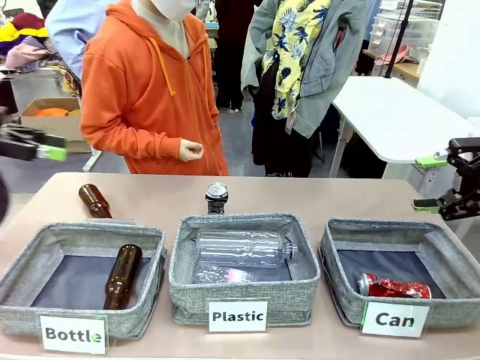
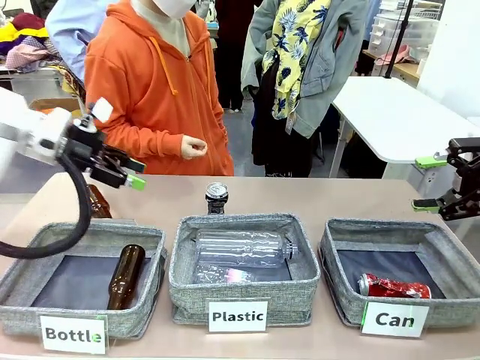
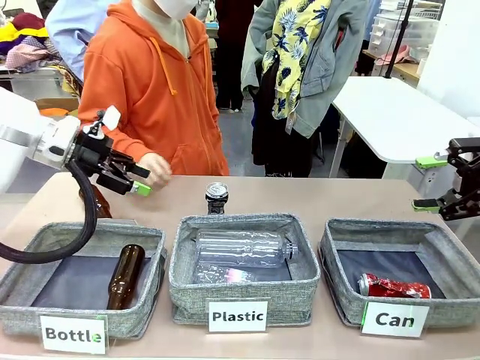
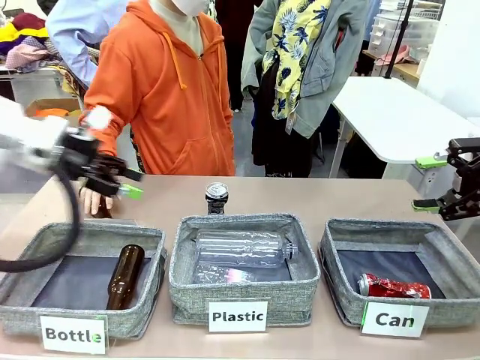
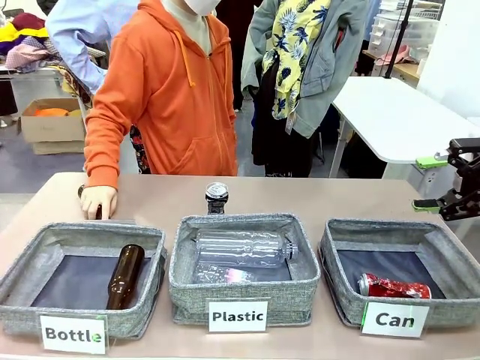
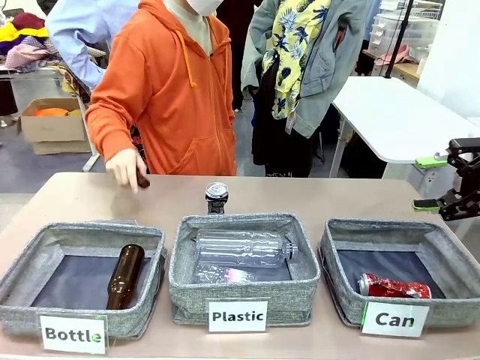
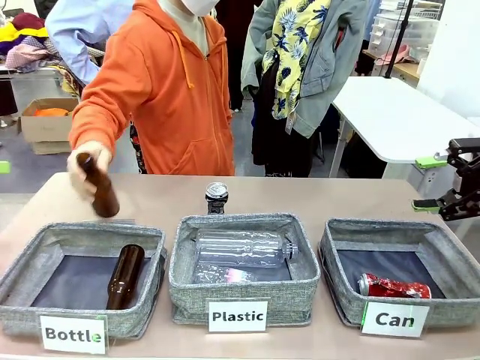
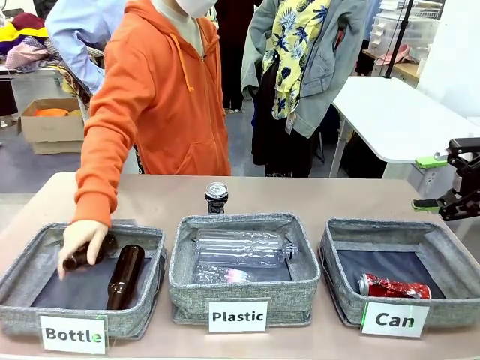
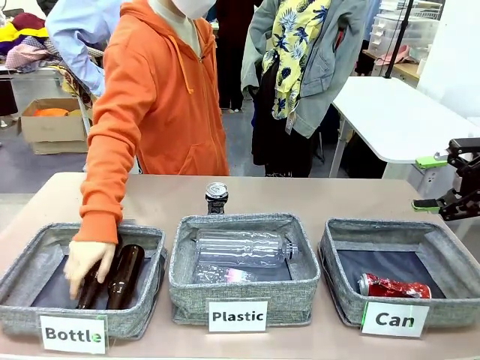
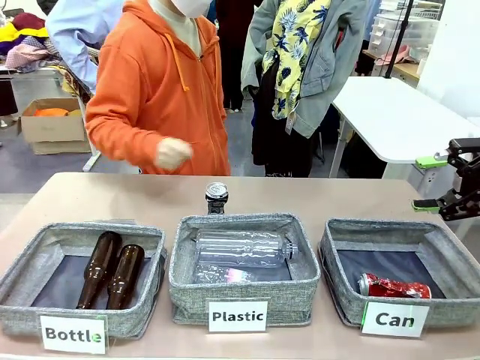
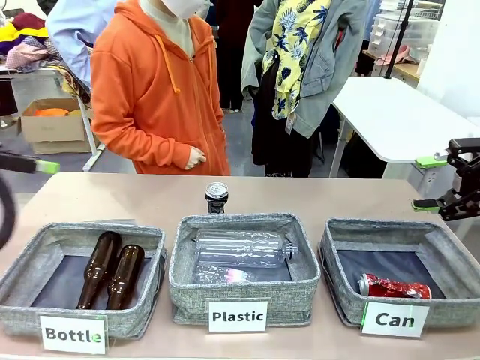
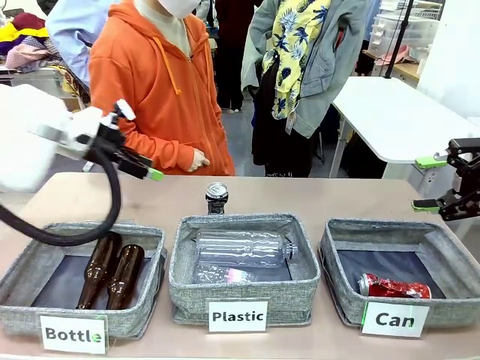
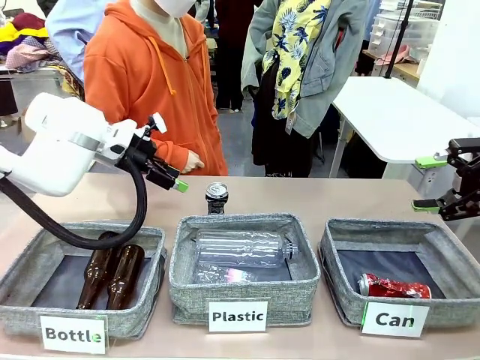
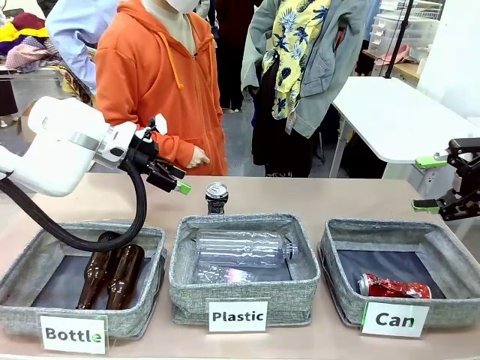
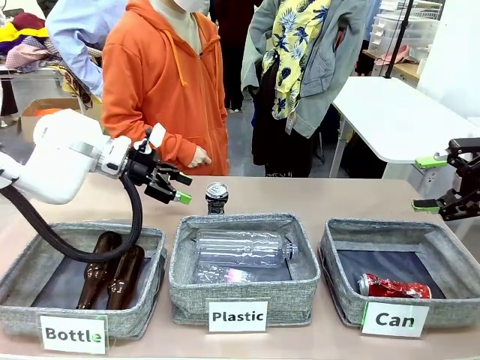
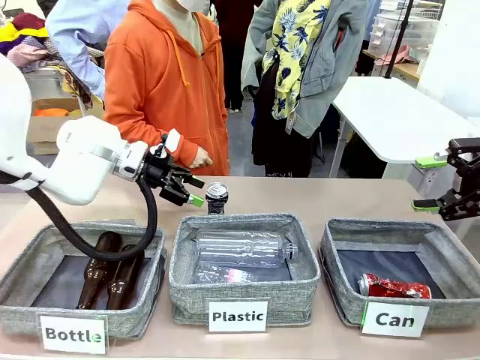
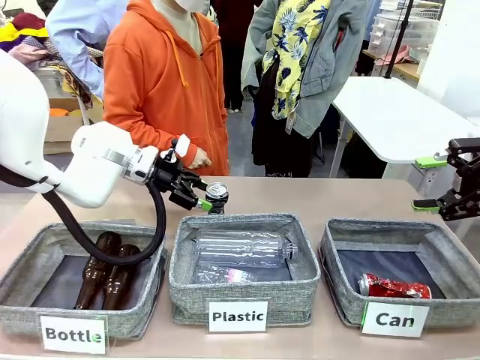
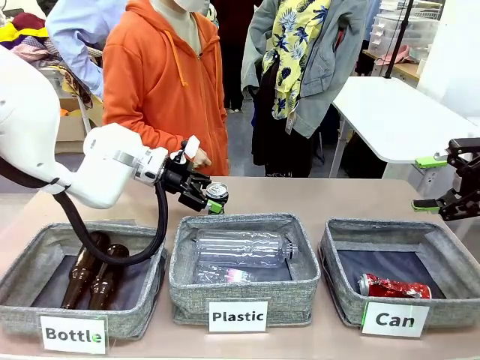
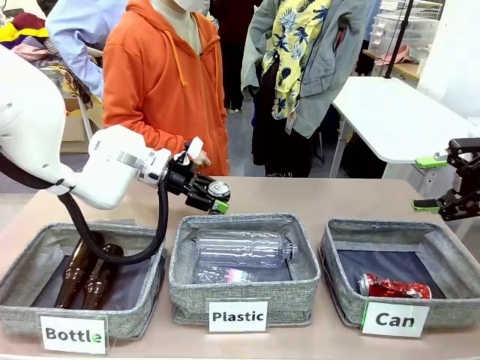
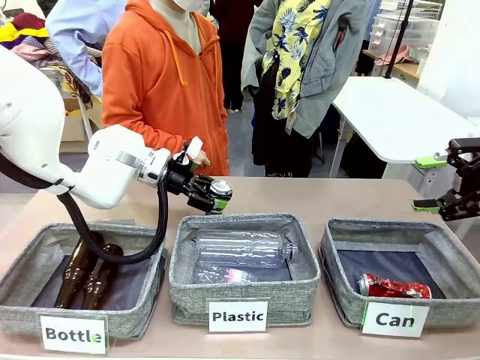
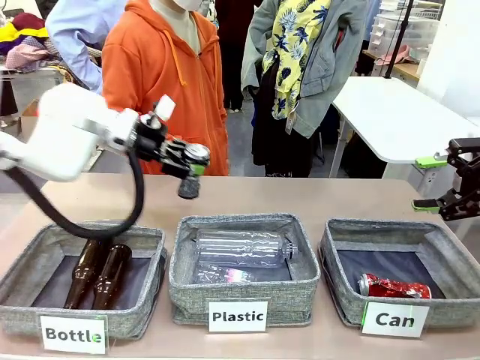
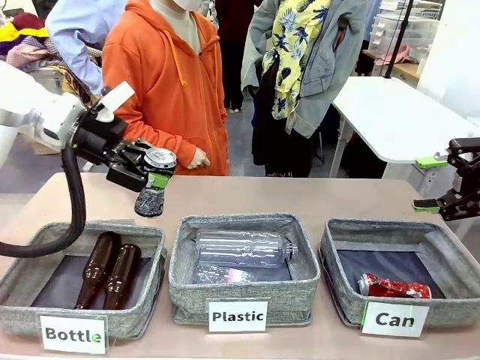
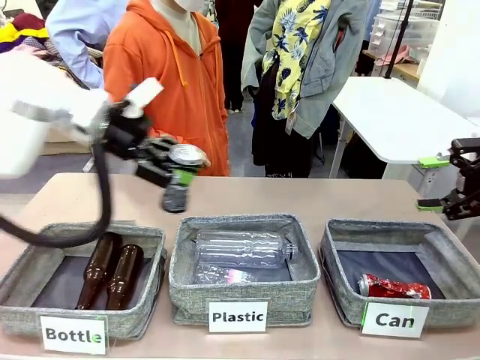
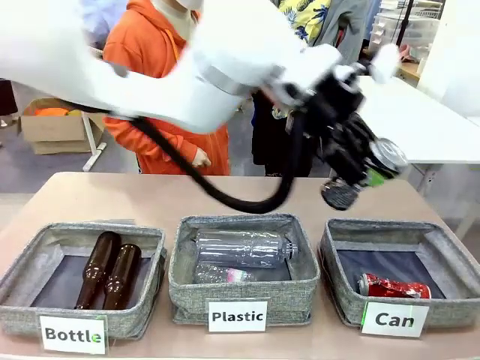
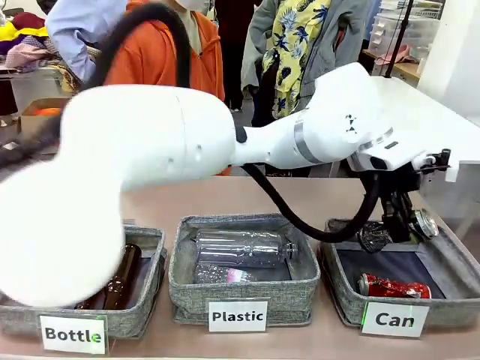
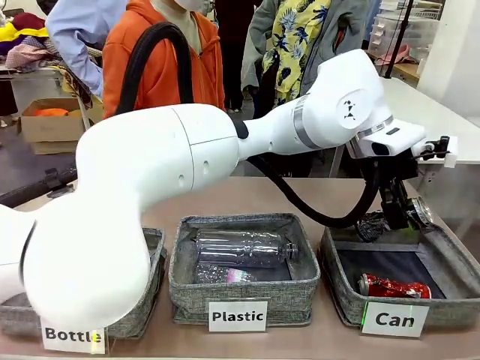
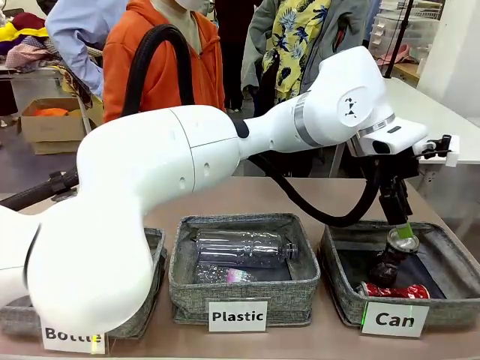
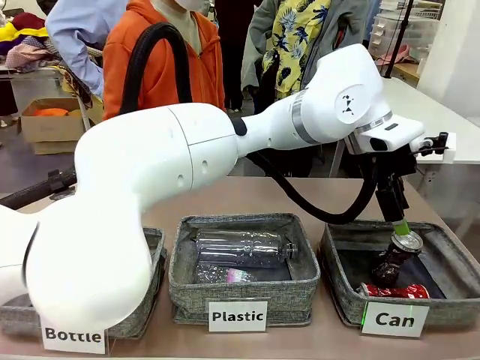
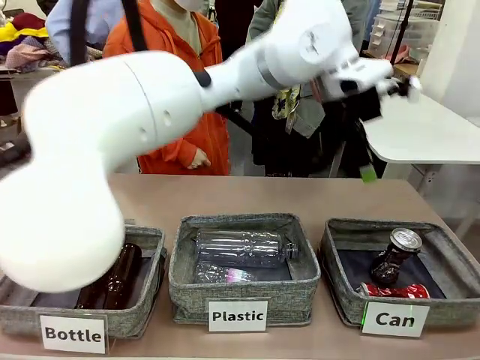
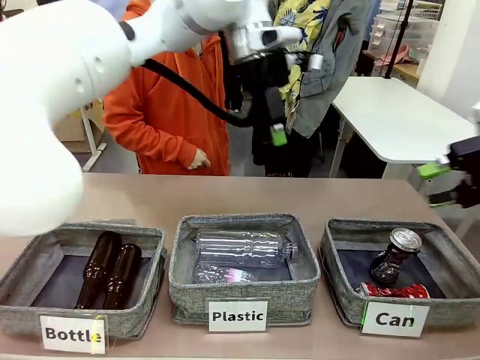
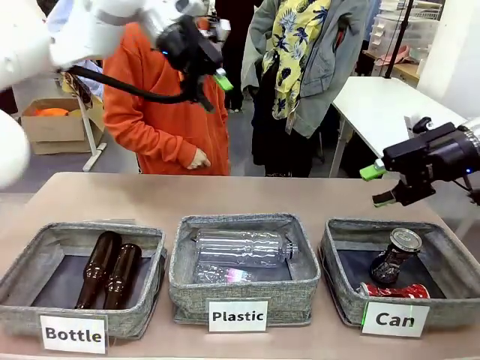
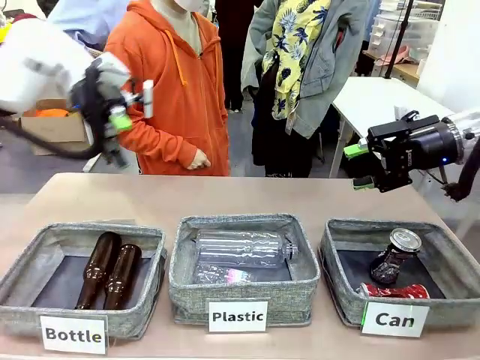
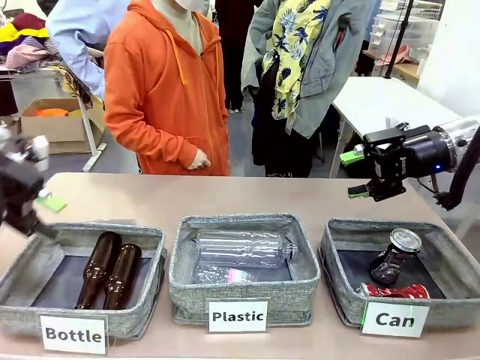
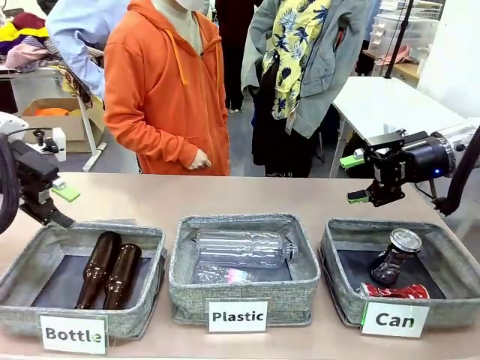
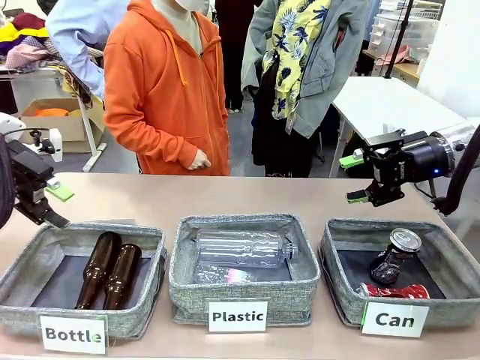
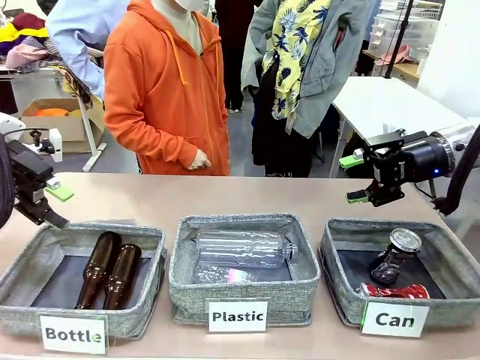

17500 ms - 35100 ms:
Task: Sort the can waste into the basket.
Robot: Pick up the can waste from the table and place it in the right Fabric basket.
Person: The human picks up one piece of trash that is not a can and places the trash into the appropriate organizing basket.
